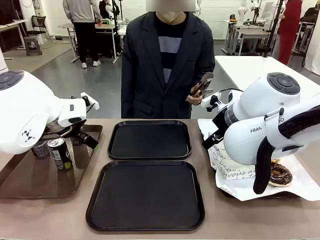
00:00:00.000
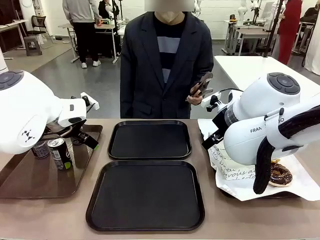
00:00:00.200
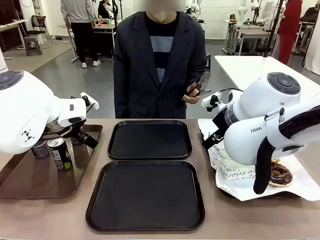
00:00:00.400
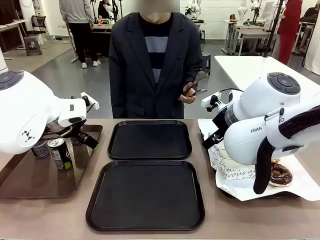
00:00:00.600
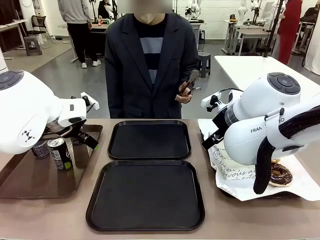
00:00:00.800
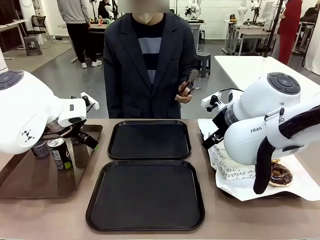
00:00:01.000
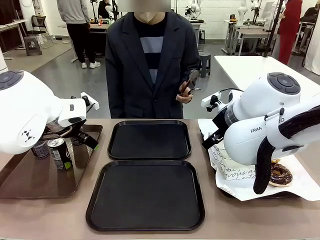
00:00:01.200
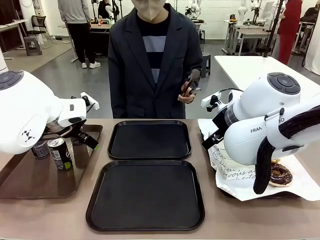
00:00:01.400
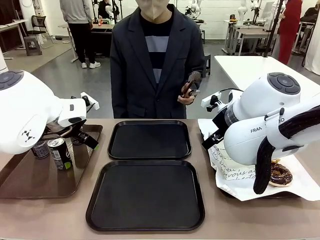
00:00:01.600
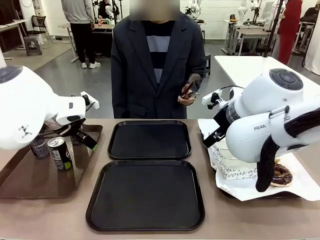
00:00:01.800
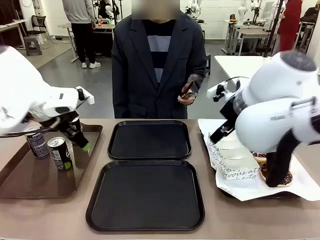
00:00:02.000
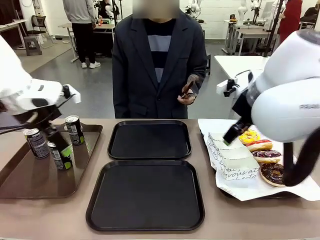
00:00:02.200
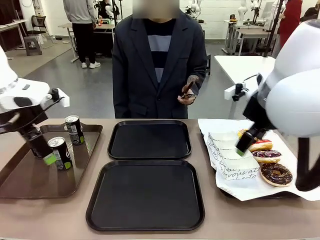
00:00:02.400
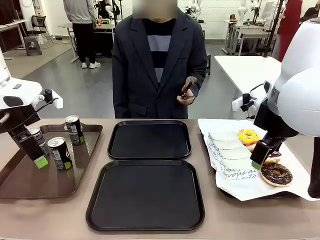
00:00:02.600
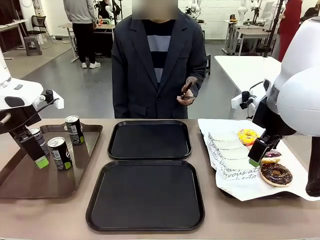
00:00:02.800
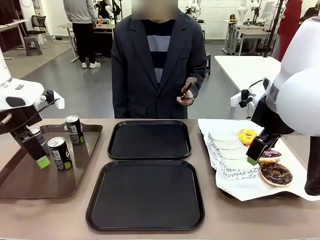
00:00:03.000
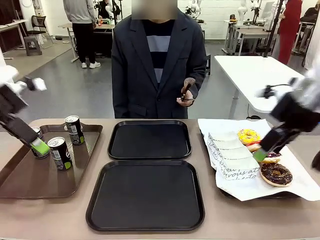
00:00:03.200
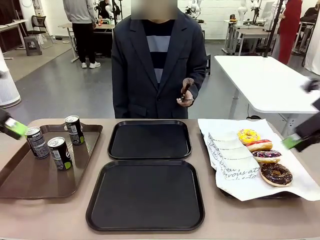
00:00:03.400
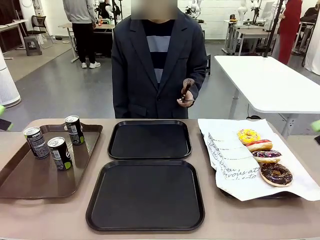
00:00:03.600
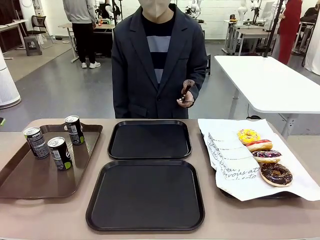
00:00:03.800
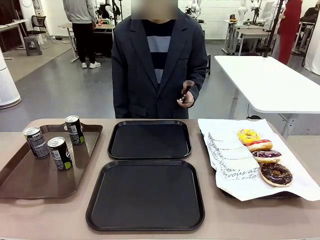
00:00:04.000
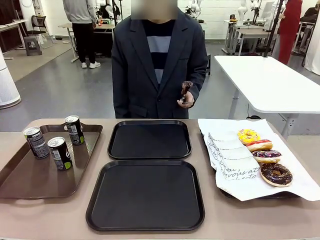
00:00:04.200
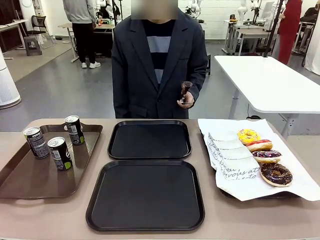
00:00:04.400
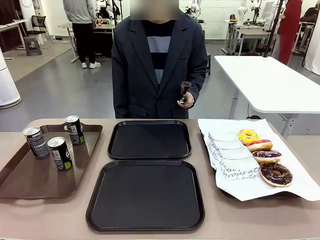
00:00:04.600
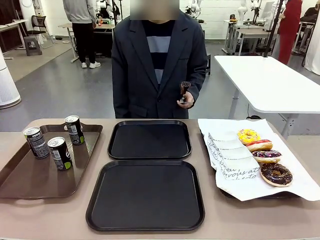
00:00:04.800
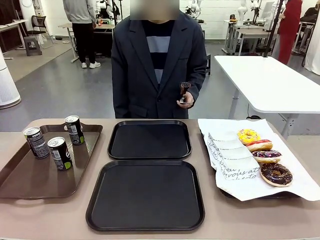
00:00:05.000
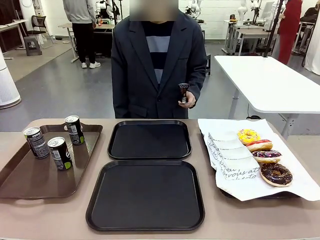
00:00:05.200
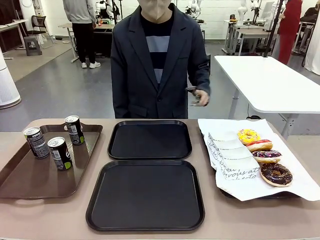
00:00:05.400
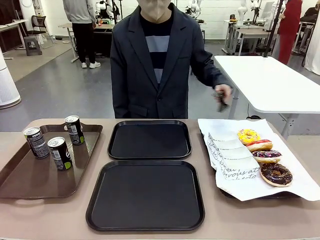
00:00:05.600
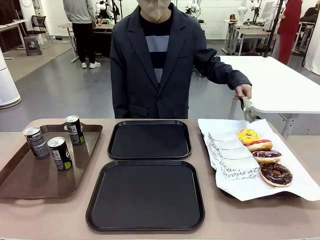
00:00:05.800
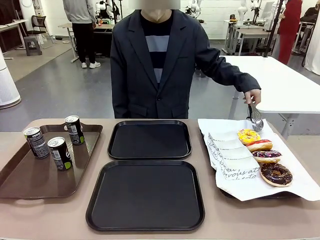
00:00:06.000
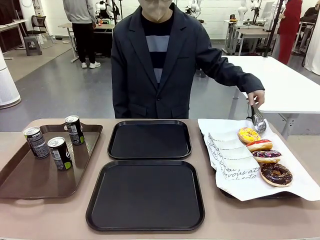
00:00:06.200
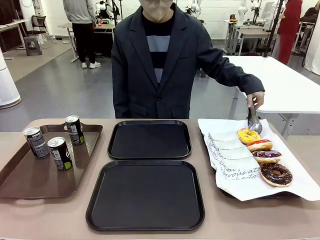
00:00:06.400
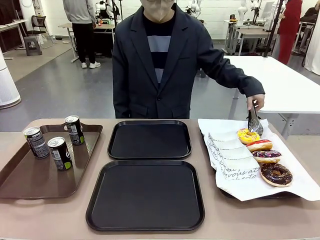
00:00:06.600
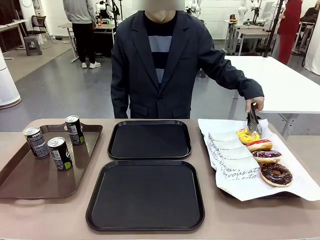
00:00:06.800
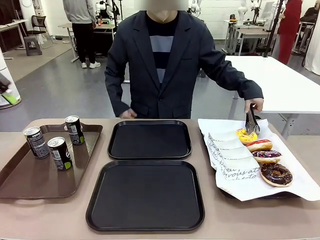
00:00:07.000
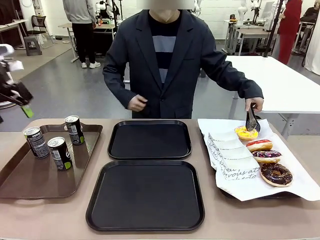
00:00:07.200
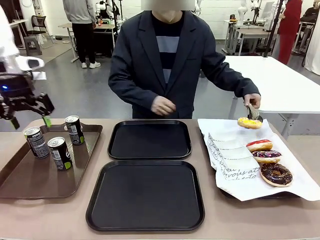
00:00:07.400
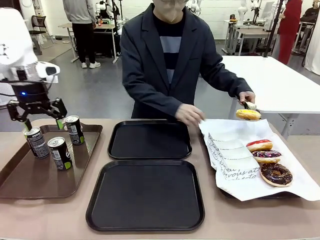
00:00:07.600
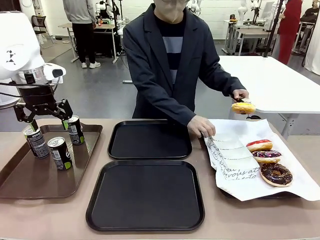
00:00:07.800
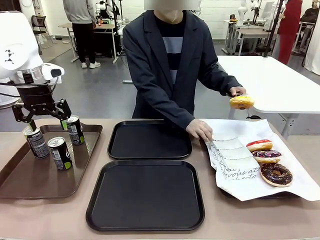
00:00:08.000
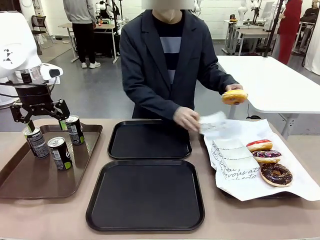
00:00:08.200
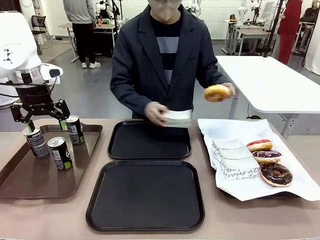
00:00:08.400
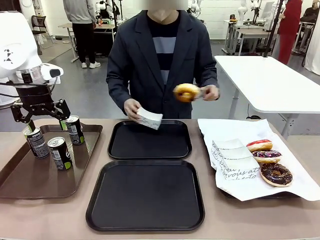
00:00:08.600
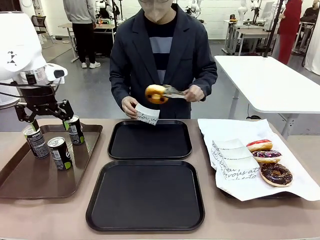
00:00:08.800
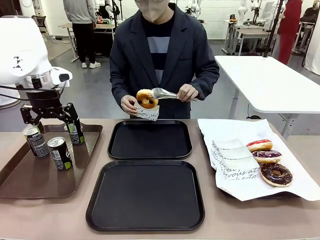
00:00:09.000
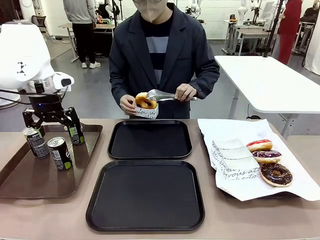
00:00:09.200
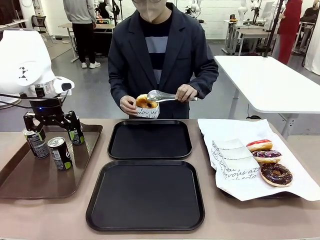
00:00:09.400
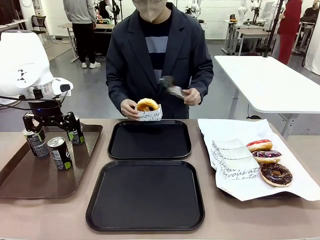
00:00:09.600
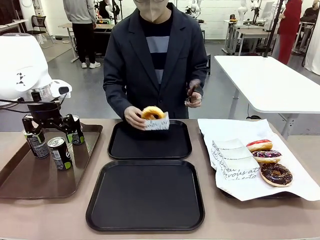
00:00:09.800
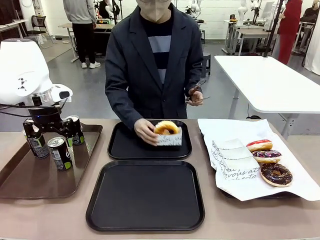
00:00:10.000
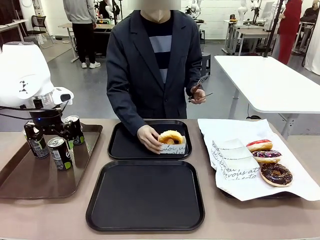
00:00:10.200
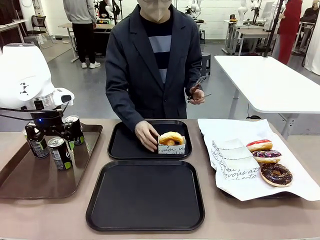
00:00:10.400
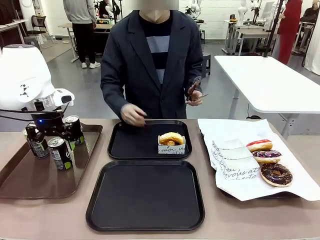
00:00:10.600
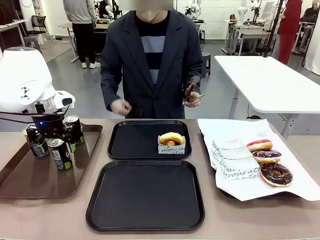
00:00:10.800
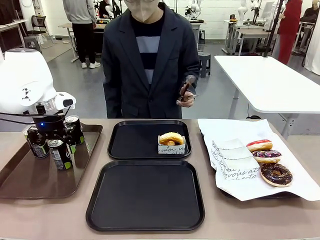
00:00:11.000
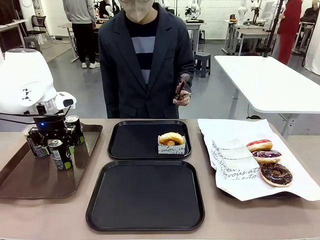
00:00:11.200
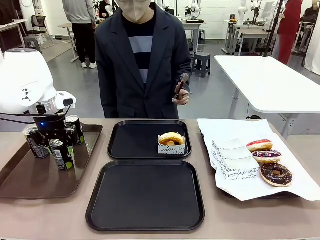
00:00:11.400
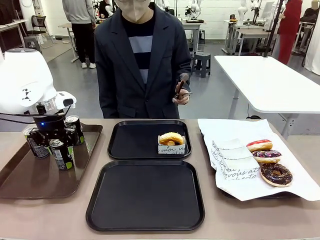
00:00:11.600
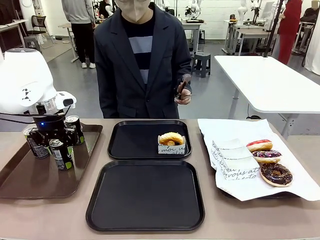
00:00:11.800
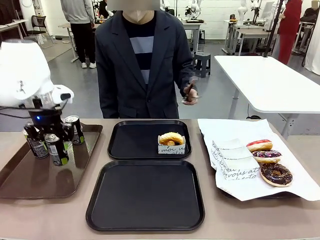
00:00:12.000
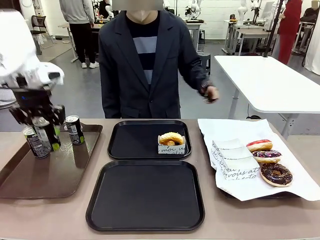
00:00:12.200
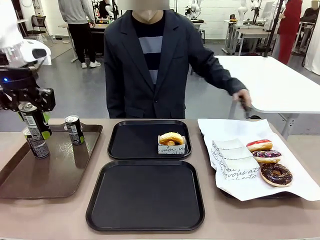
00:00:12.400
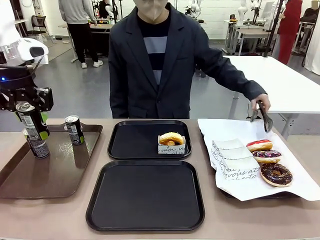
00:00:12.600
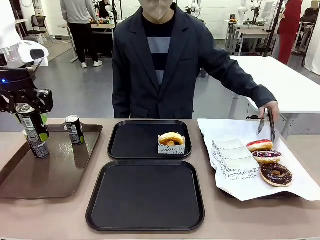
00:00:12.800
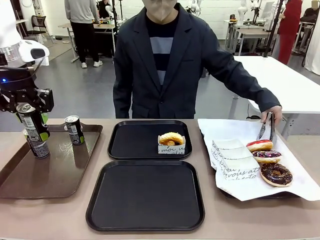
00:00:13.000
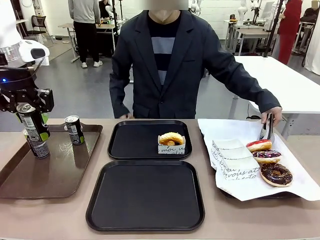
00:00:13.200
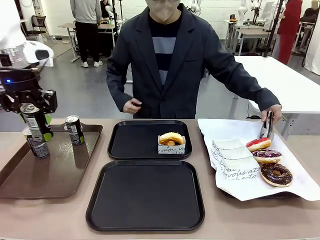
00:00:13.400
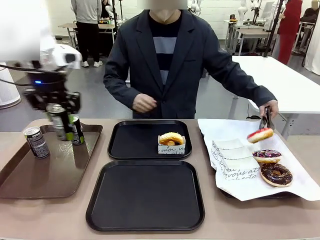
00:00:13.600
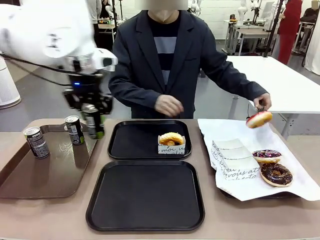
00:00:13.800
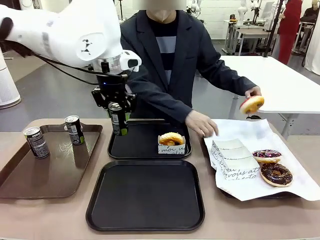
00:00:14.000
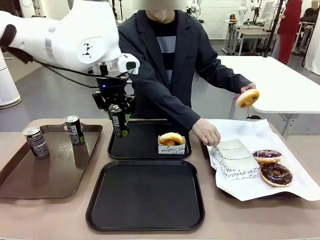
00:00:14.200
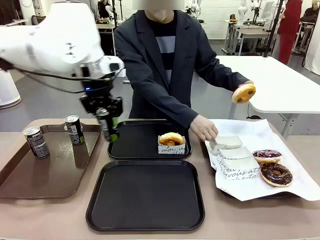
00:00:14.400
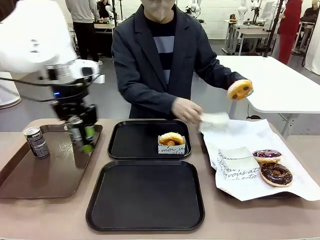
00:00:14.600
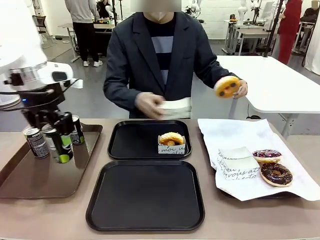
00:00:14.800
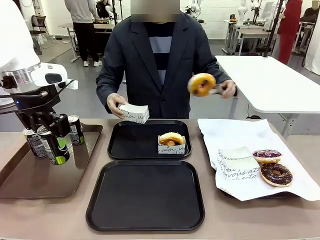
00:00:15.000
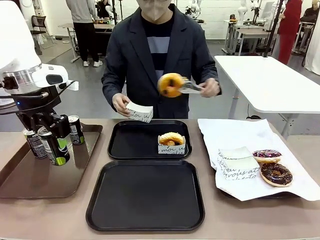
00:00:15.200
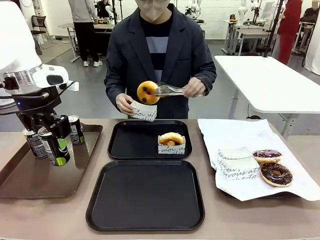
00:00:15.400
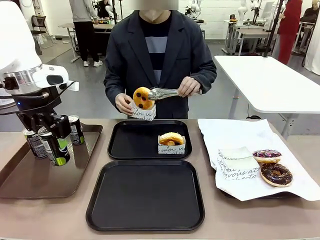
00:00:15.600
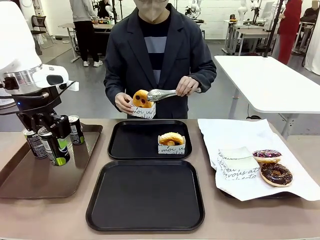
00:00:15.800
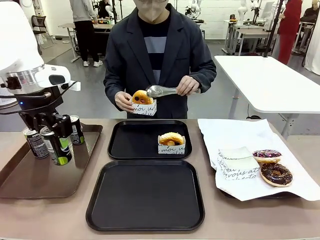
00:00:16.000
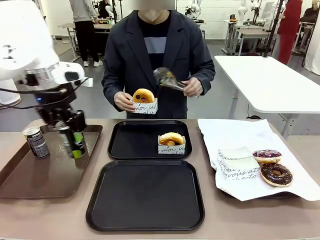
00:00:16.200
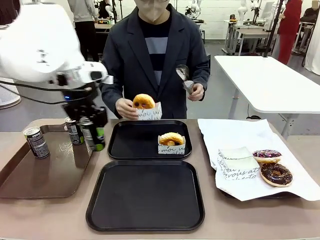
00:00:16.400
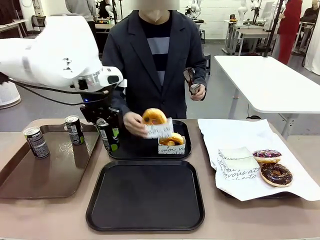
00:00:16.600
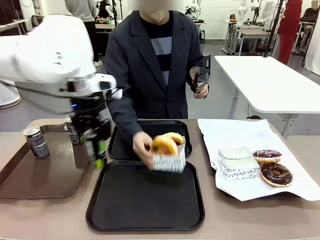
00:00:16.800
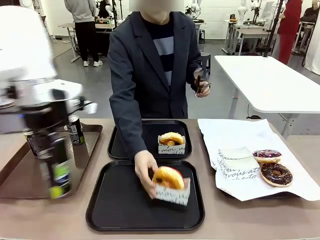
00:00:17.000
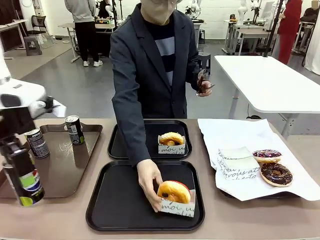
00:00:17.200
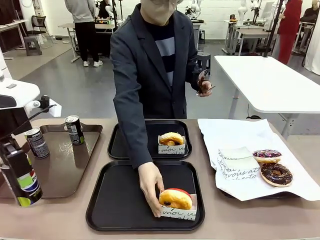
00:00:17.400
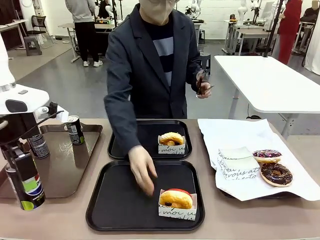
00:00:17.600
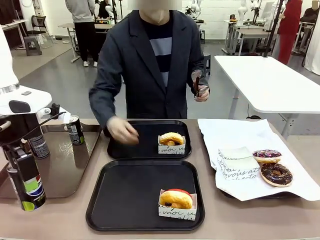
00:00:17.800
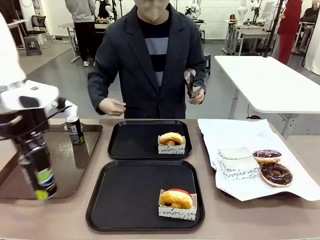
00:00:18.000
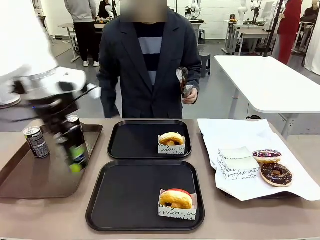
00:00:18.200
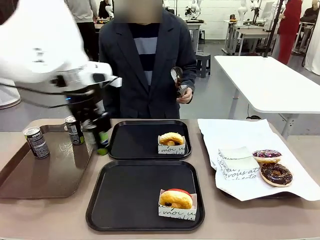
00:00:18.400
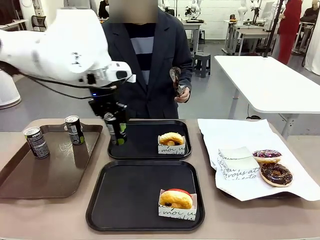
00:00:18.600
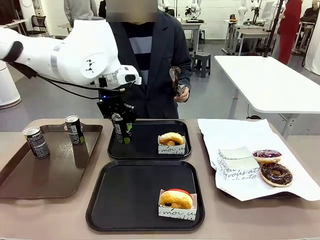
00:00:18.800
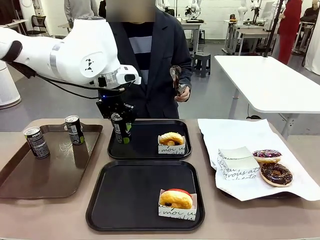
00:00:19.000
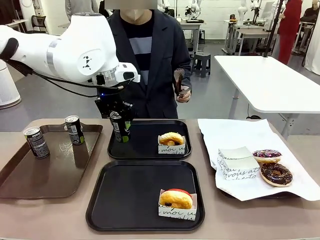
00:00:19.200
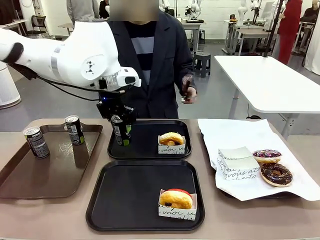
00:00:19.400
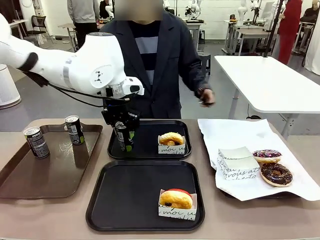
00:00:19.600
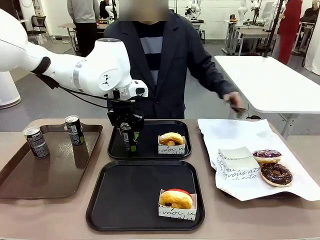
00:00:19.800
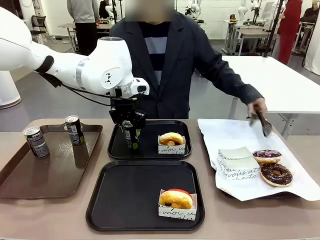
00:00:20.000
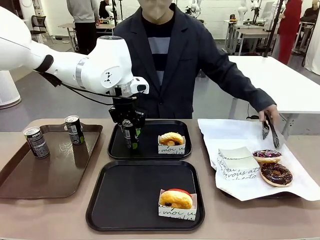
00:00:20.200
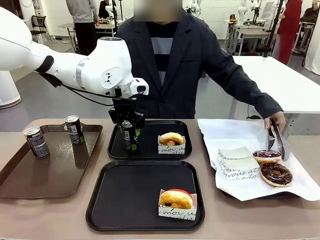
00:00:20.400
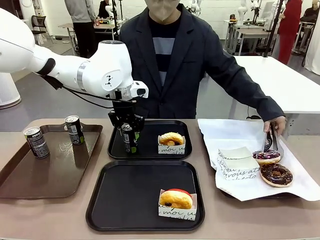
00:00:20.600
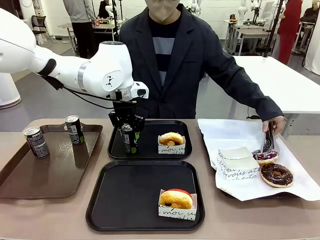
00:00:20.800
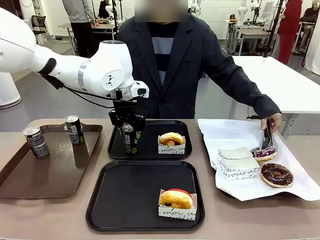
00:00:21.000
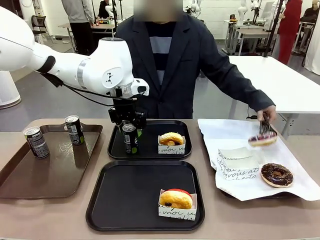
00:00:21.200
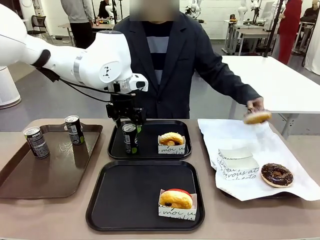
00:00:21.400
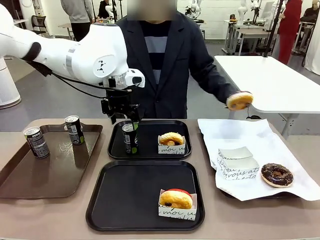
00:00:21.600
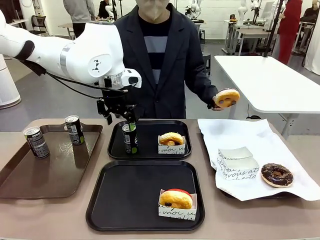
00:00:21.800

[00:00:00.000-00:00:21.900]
Task: Set up donuts and drinks on trays.
Robot: Pick up one Pepsi coke and place it on the Flat Tray.
Person: Pick up one donut with tongs, place it in the donut tray, and then place the donut tray on the flat tray.
